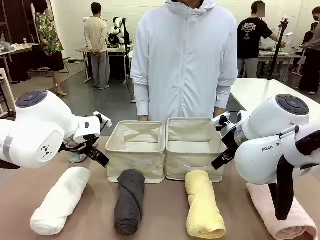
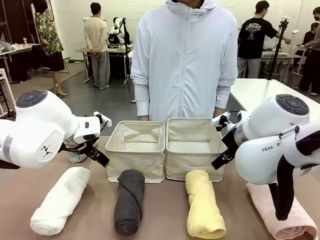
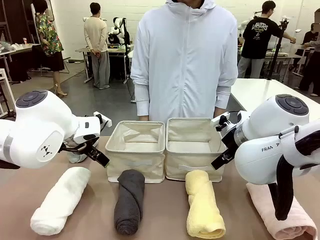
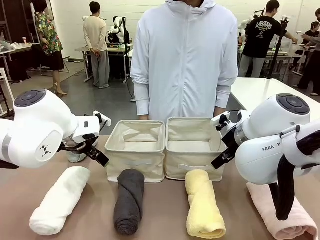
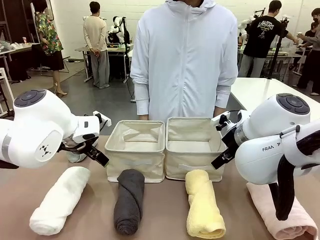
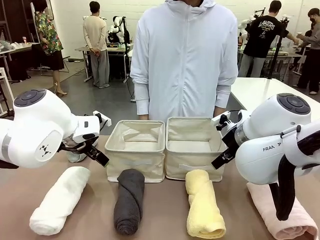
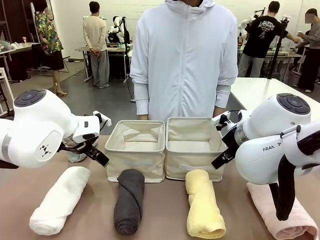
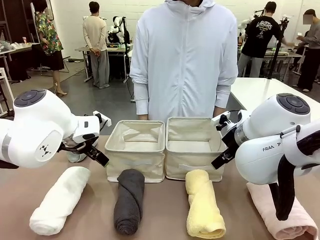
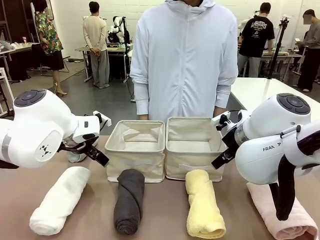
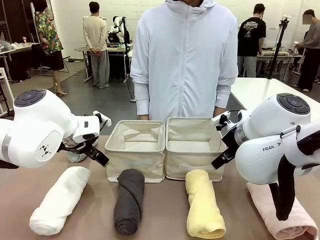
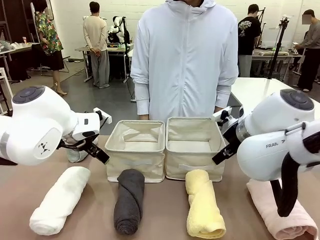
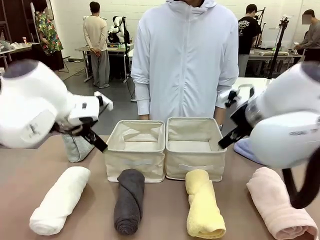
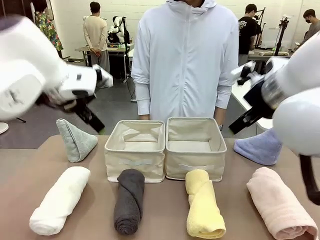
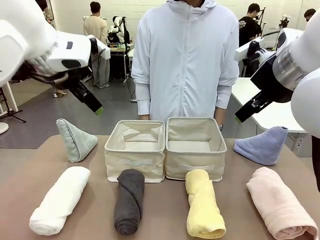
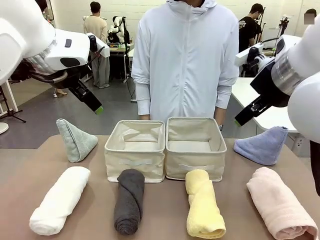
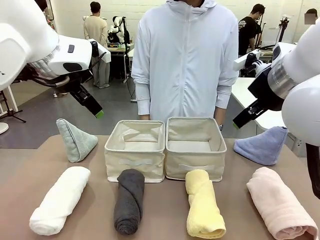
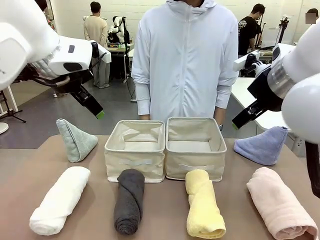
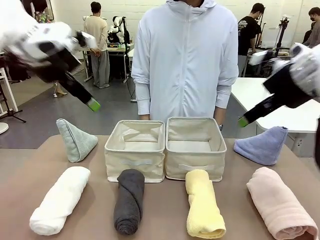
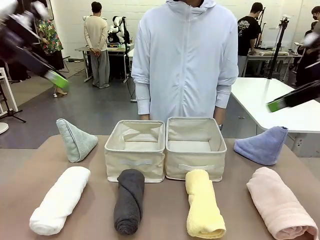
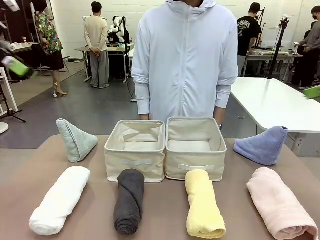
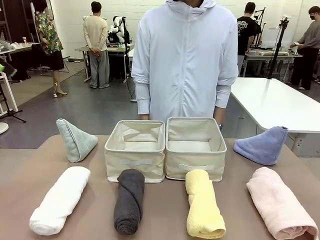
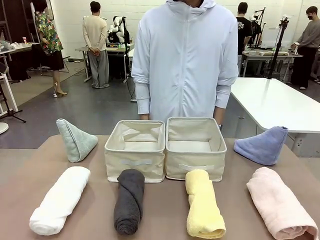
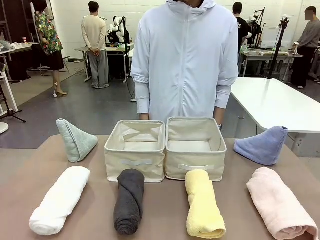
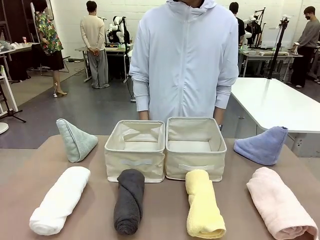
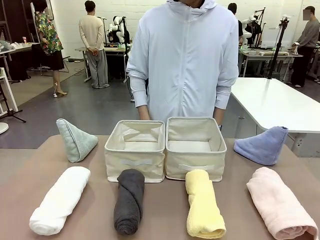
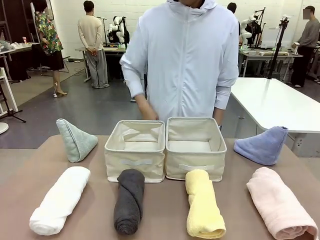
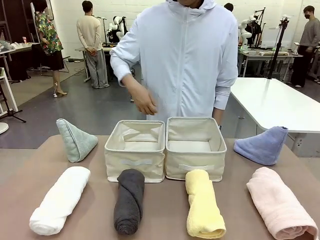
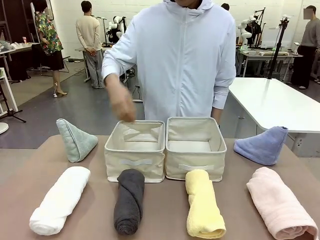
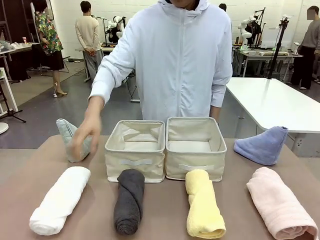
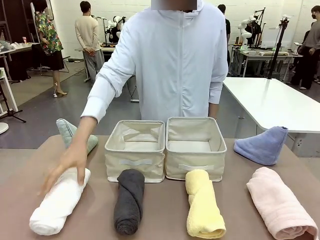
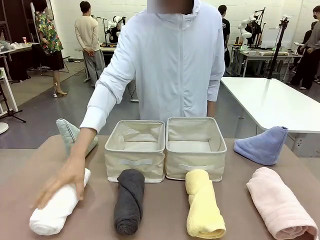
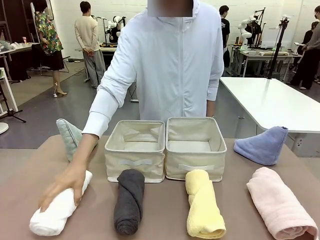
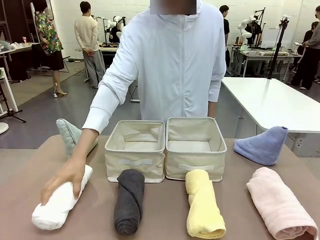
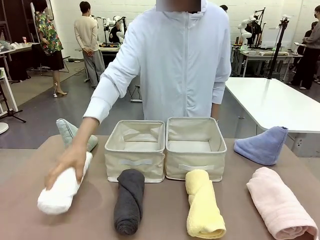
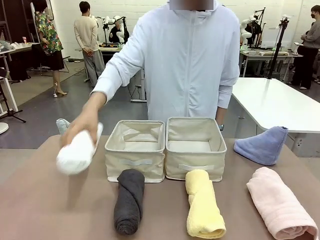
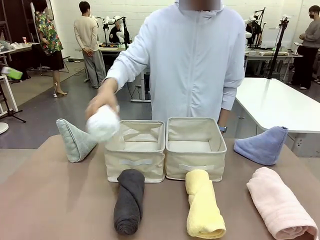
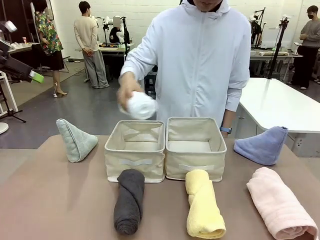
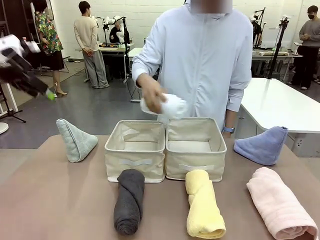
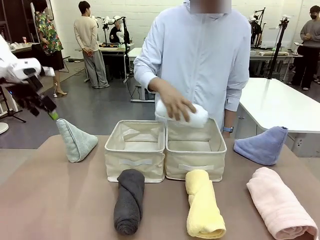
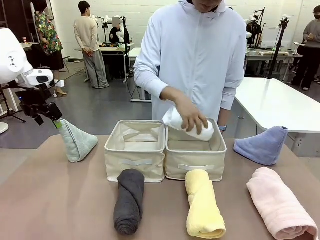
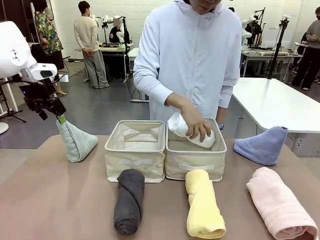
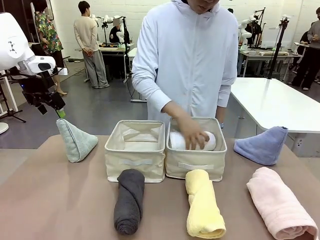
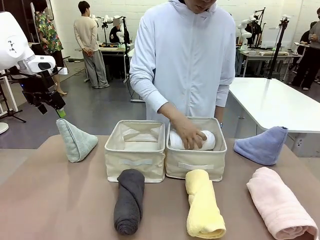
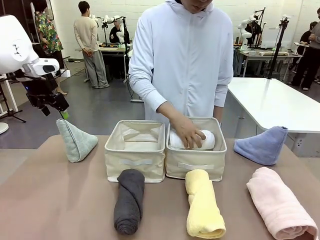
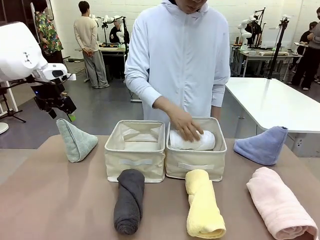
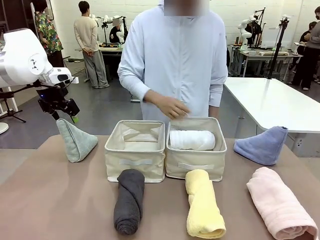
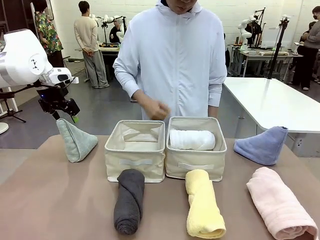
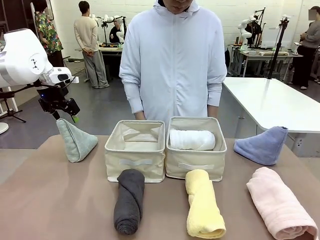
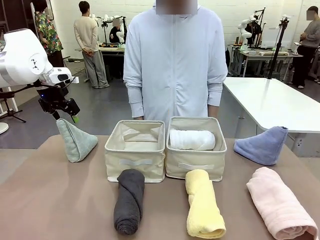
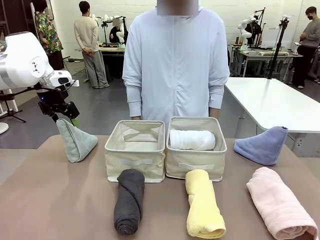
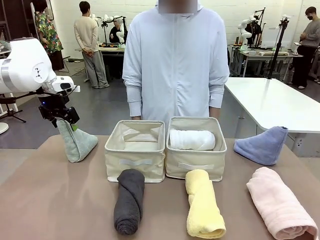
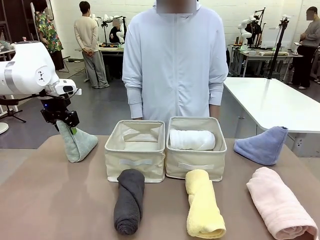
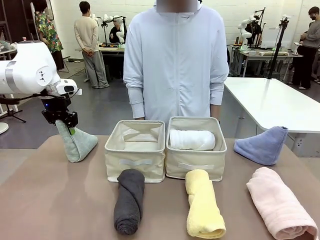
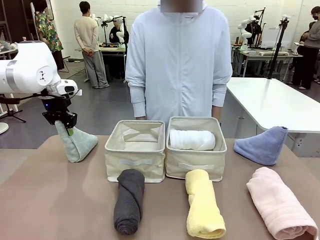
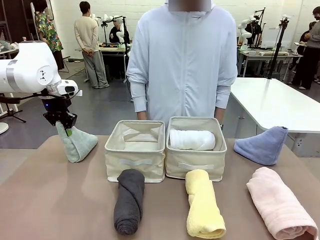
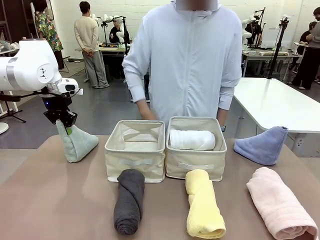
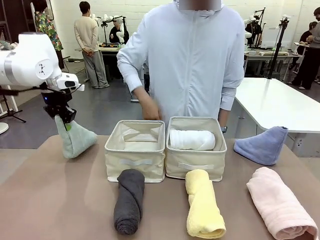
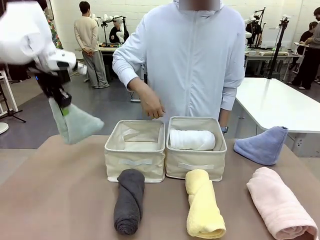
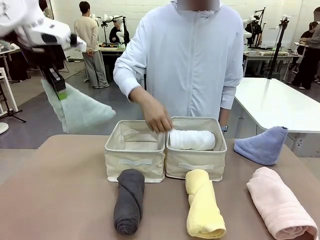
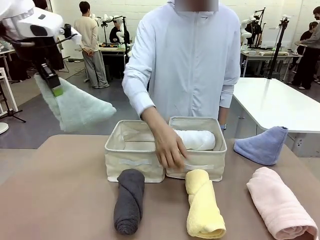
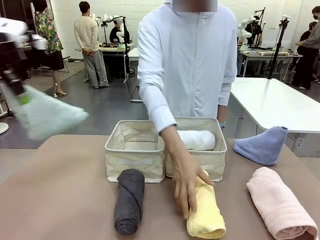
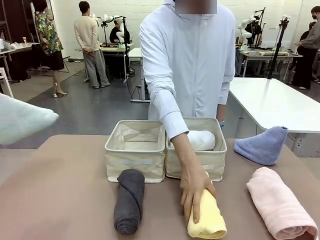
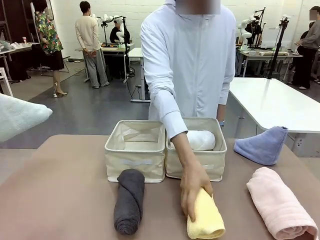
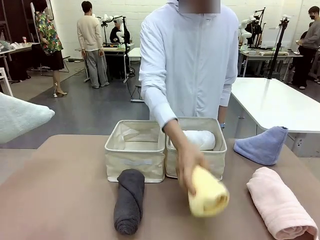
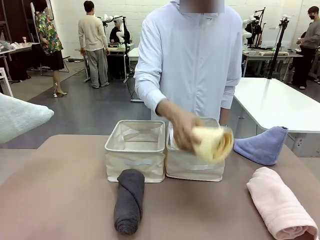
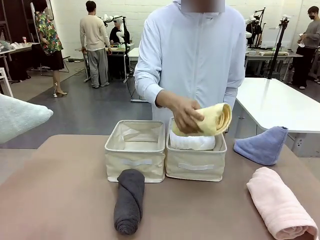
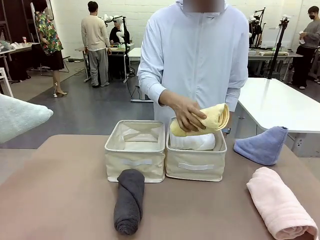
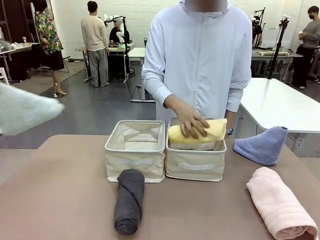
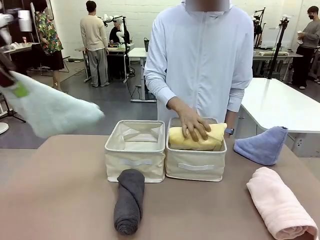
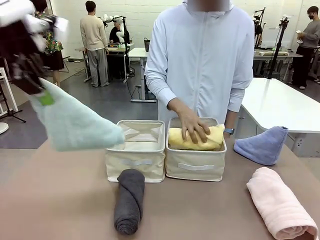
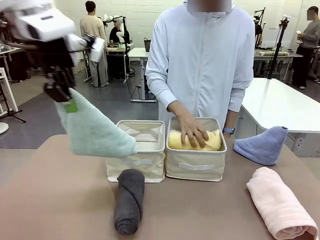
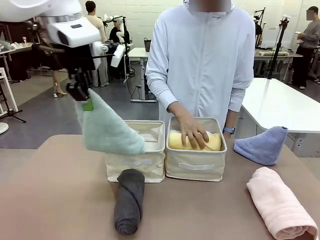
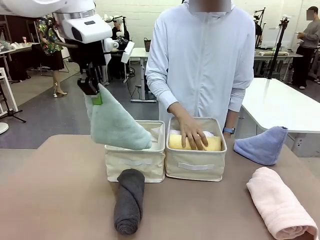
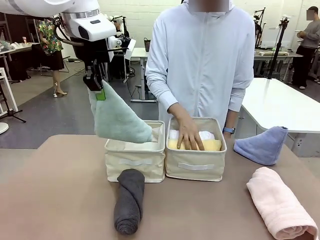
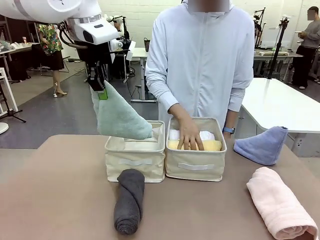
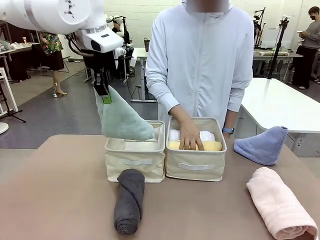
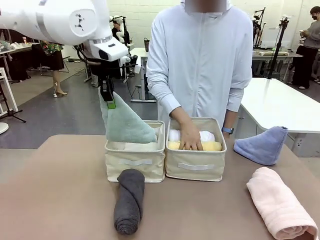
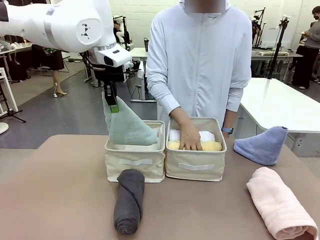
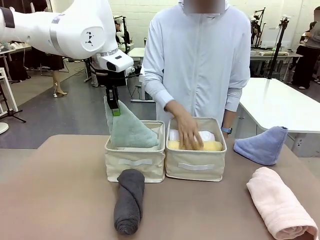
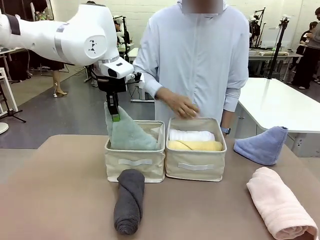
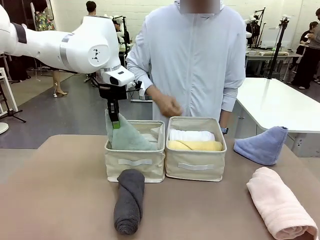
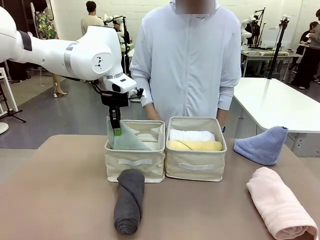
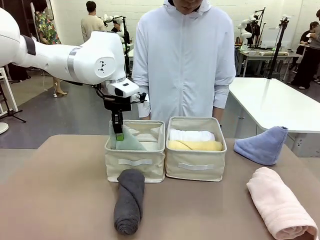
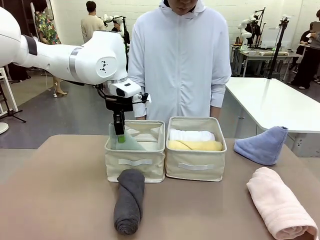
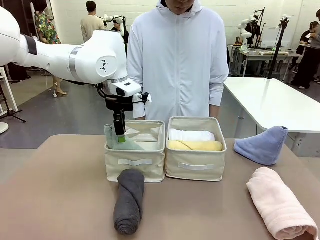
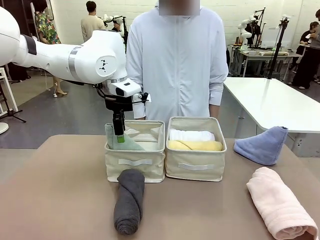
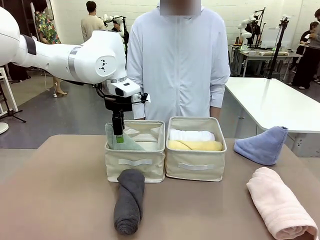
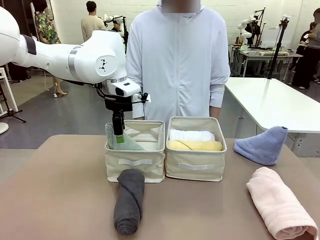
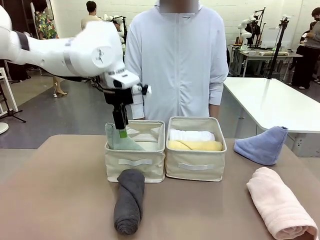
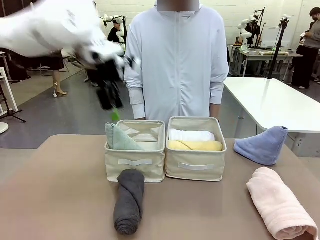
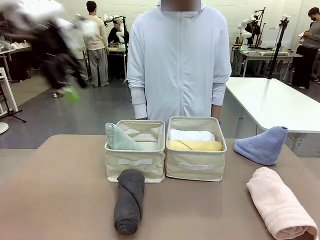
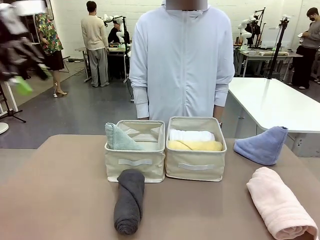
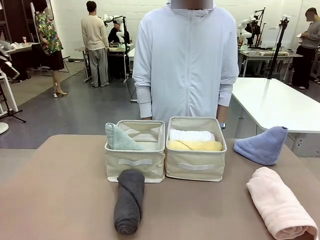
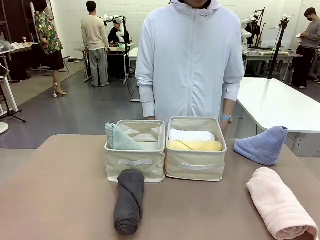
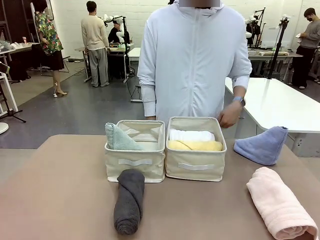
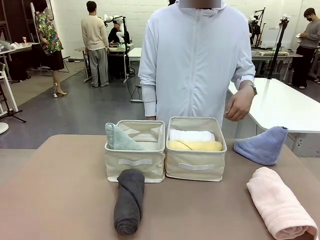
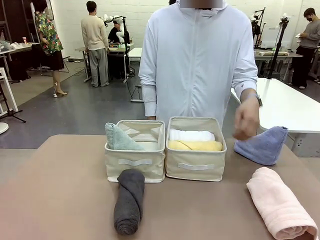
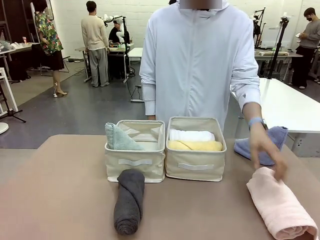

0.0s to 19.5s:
Task: Sort the towels based on their folding style.
Robot: Pick up one triangle-folded towel and place it in the left Fabric basket.
Person: Pick up one hotel-style rolled towel and place it in the left fabric basket.
